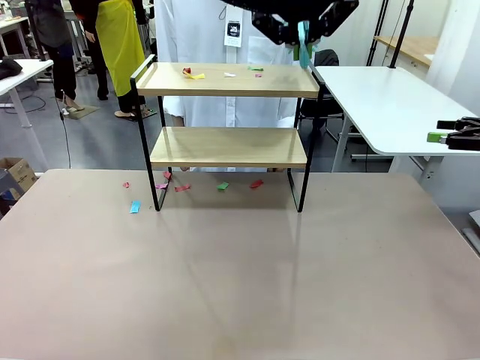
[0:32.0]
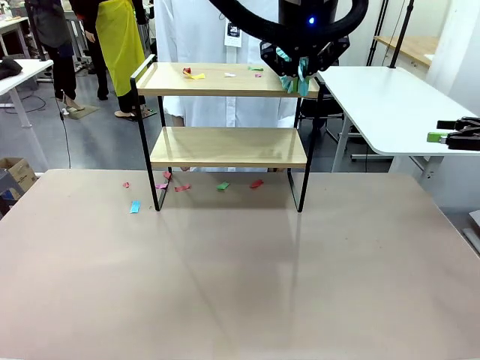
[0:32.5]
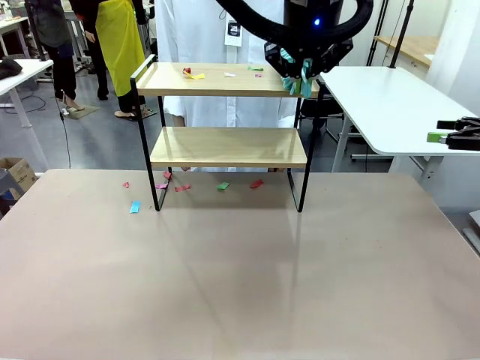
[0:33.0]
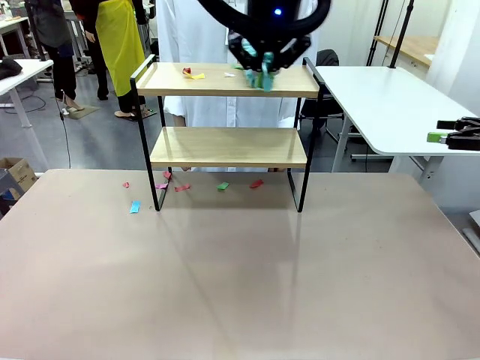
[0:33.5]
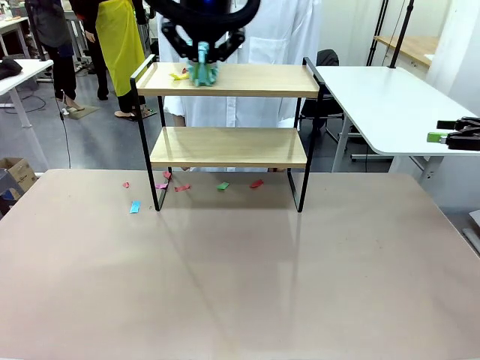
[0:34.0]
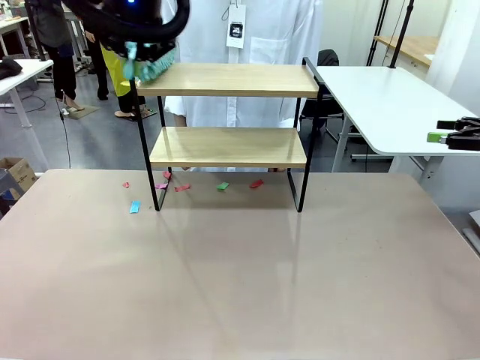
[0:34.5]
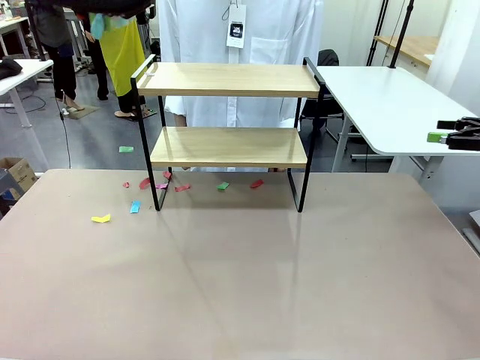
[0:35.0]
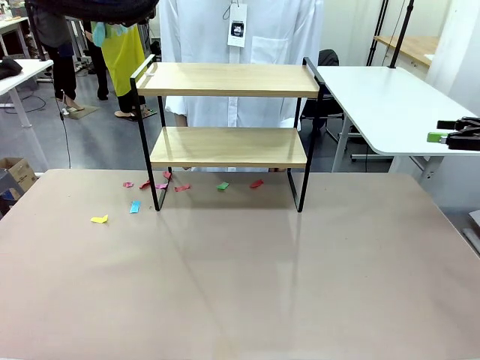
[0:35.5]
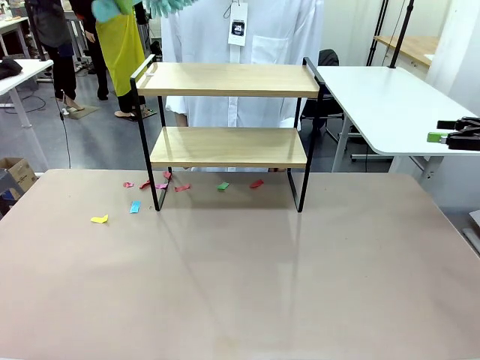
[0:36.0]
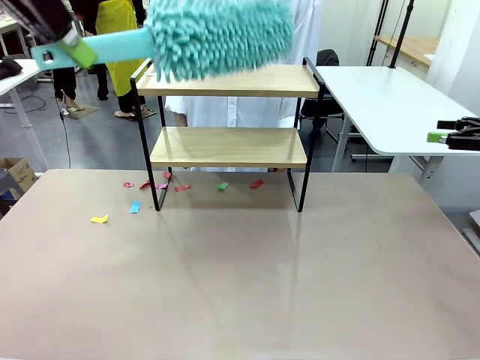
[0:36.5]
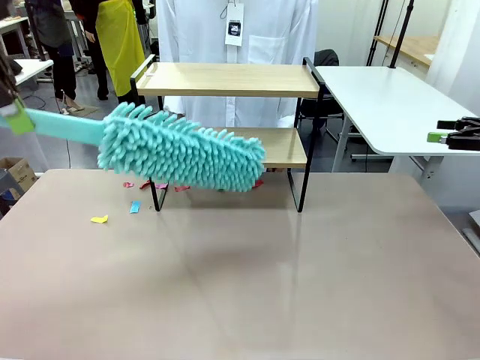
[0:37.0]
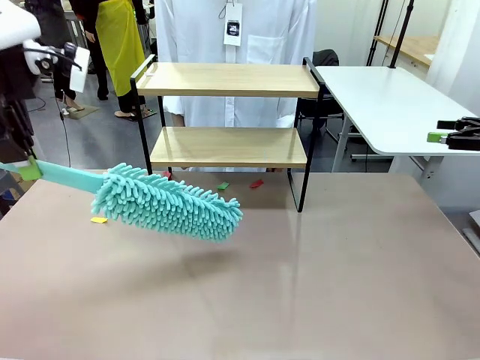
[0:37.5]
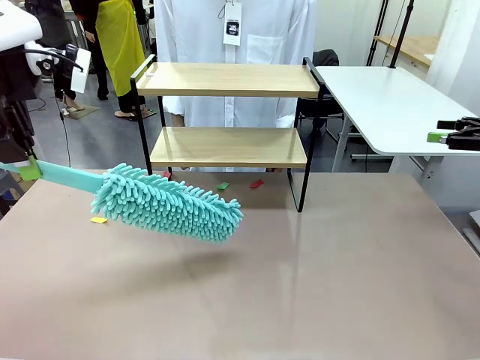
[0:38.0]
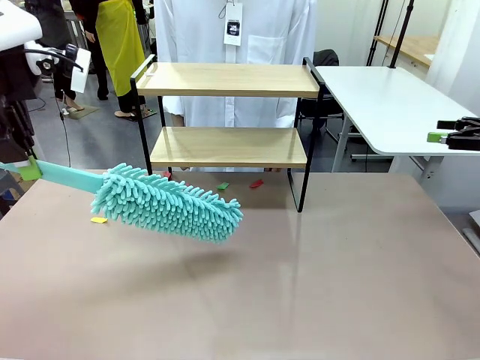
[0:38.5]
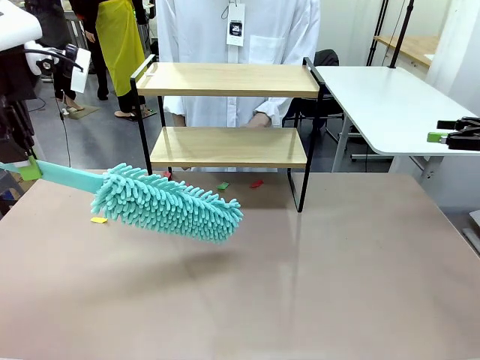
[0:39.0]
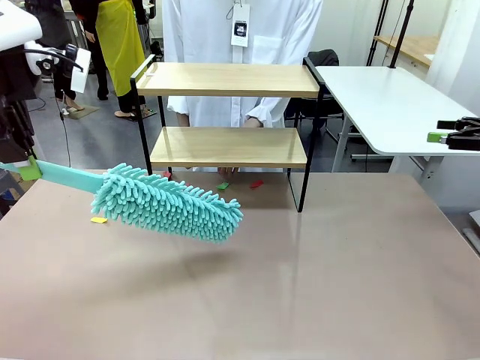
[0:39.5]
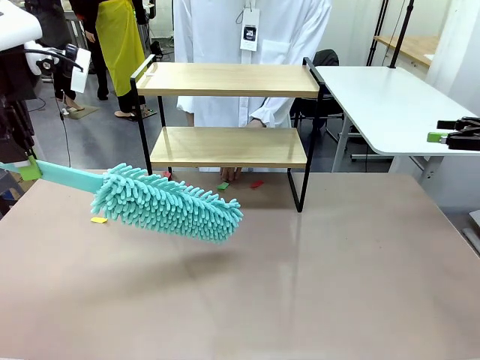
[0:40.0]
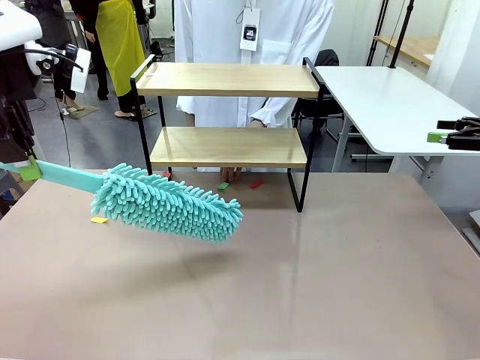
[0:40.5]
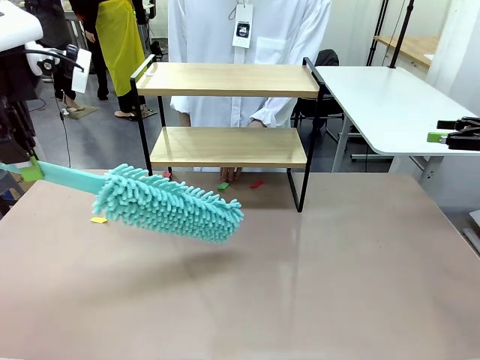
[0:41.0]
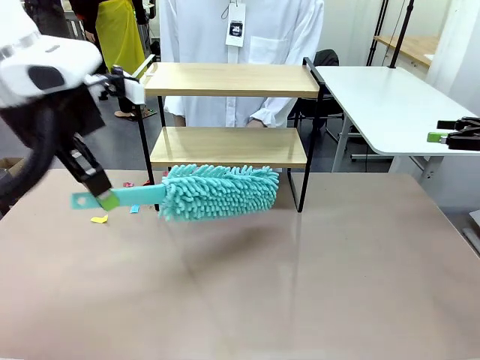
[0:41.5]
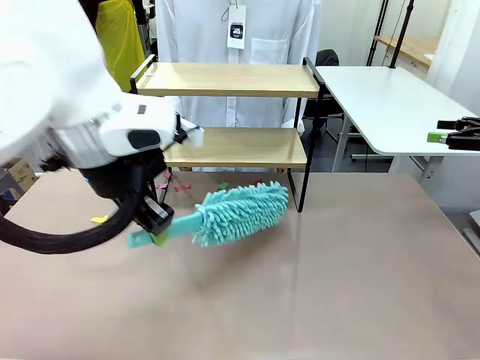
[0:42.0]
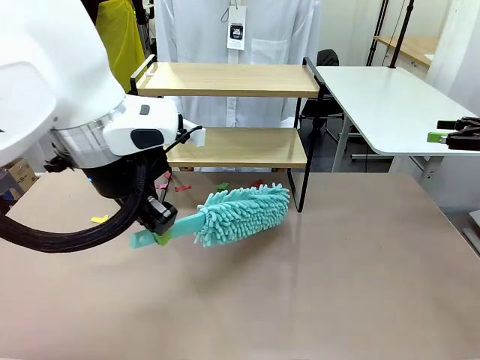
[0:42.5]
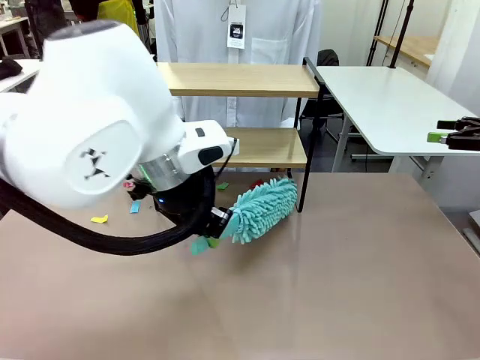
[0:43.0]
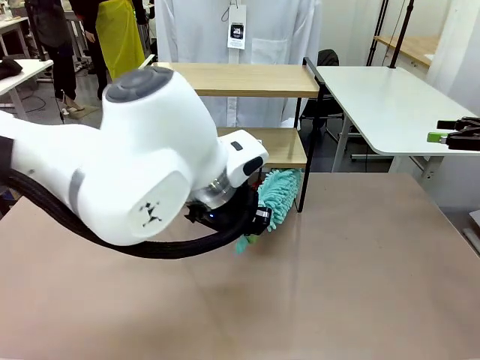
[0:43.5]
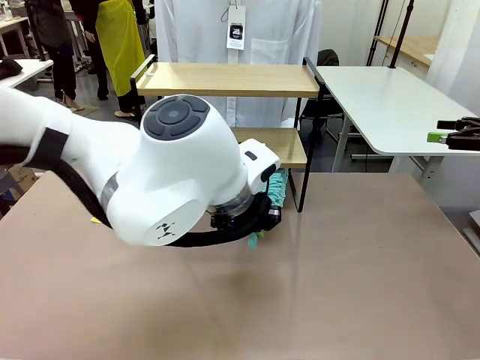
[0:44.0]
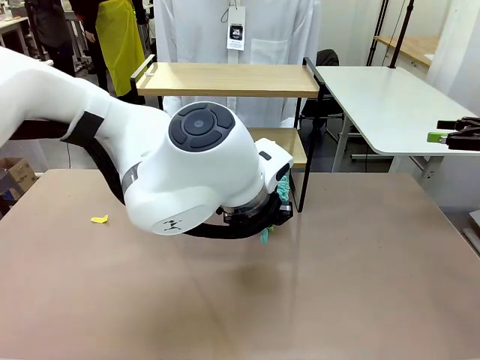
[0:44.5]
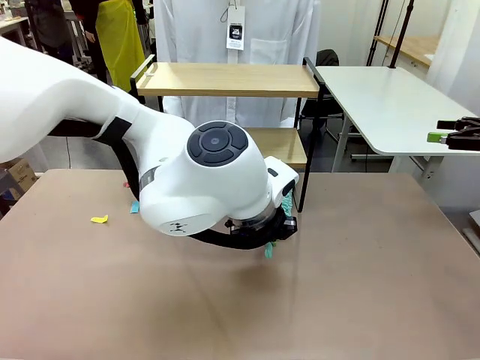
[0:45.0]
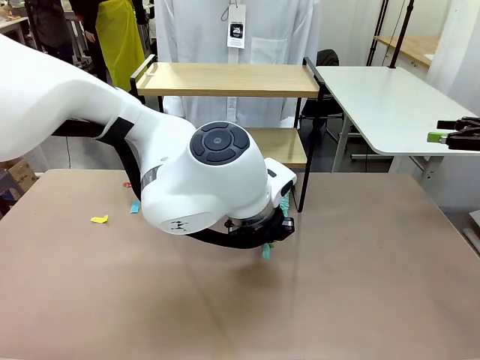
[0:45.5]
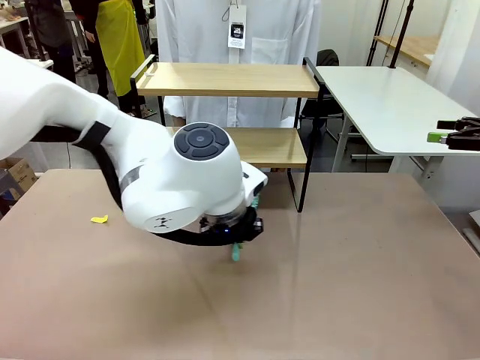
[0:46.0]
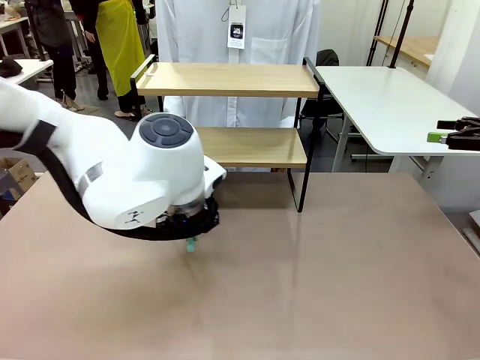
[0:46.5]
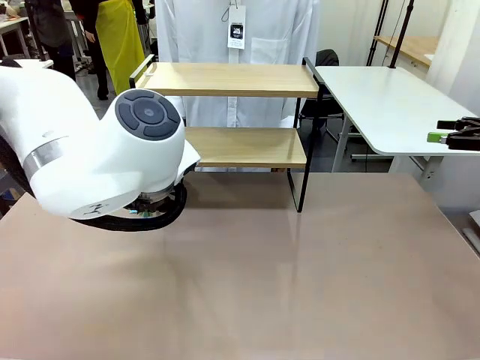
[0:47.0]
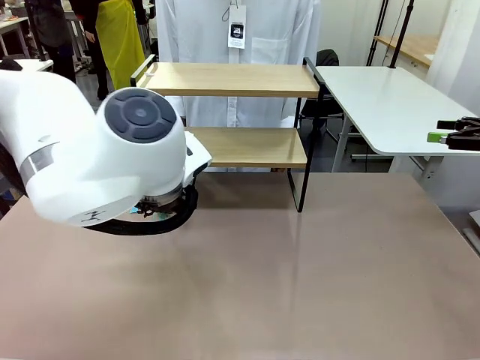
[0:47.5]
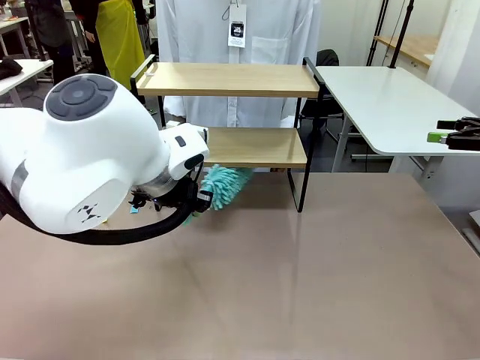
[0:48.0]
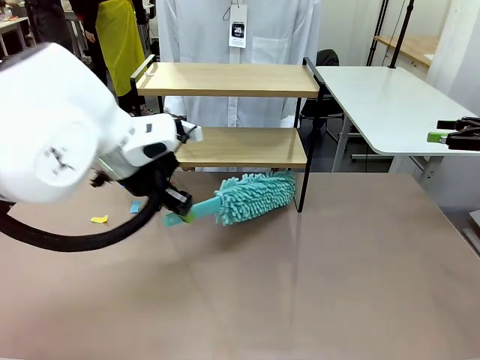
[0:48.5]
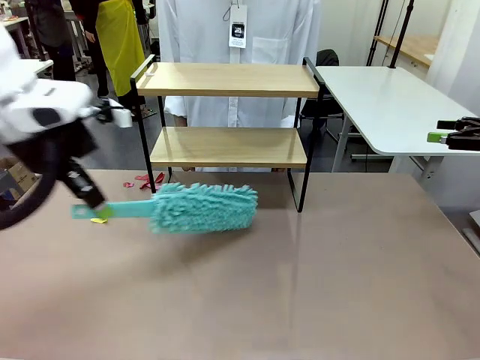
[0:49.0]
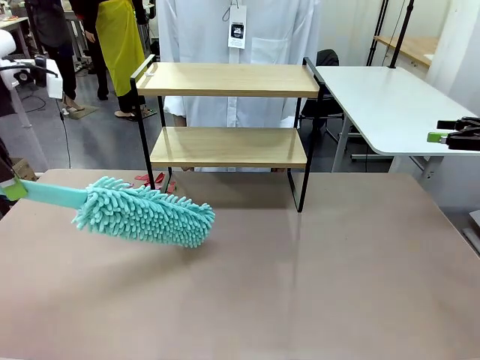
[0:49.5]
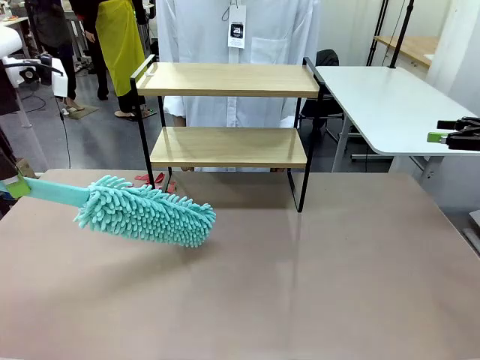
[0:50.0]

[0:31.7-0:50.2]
Task: Clean the shelf.
Robot: Clean the specific section of the Shelf indicated by the human with the Duster.
Person: Point a remaining section of the Shelf.
